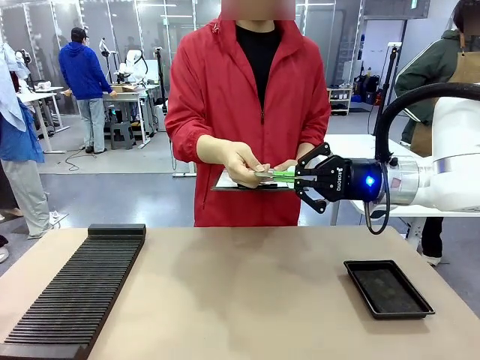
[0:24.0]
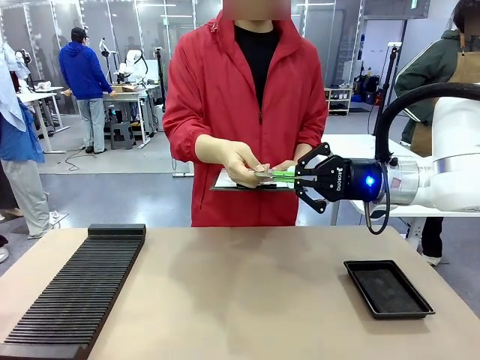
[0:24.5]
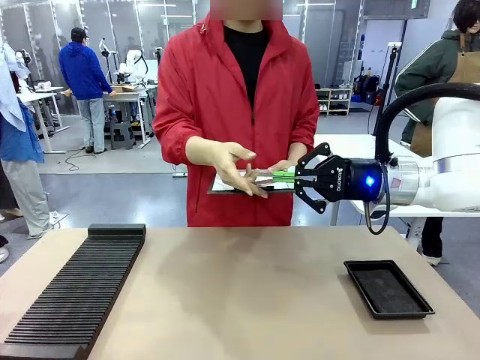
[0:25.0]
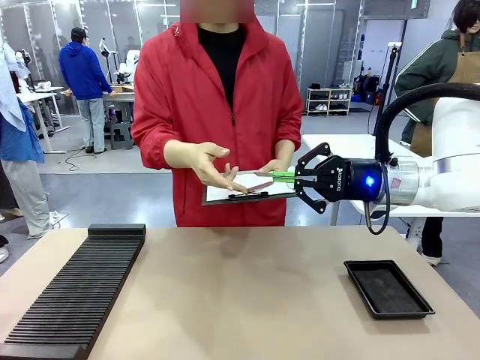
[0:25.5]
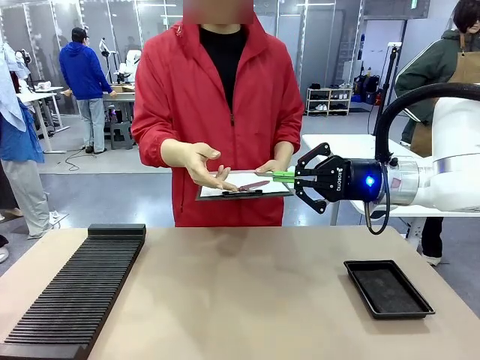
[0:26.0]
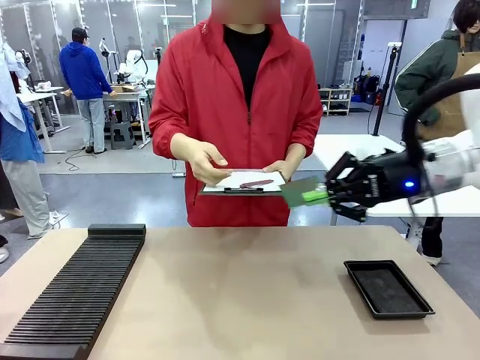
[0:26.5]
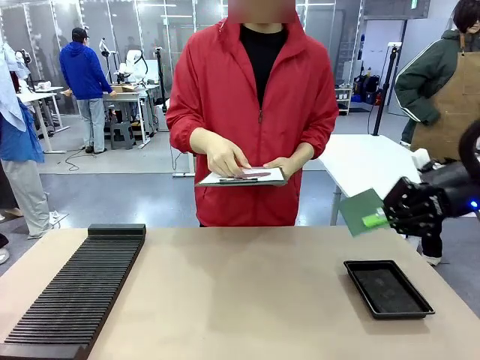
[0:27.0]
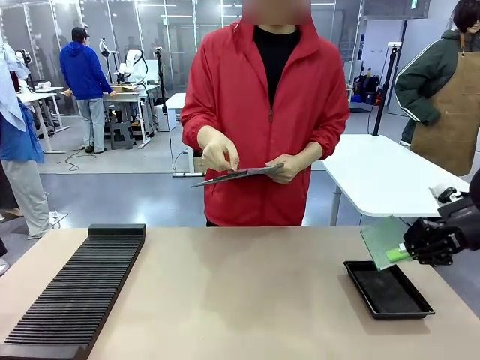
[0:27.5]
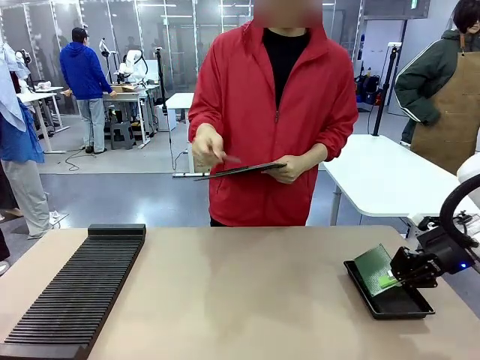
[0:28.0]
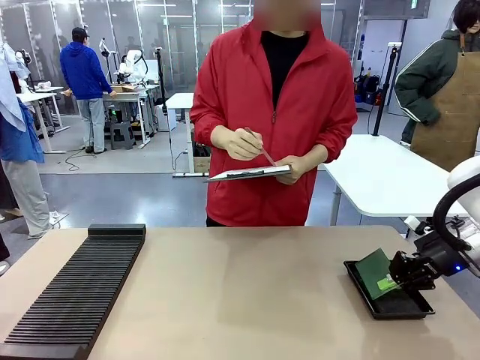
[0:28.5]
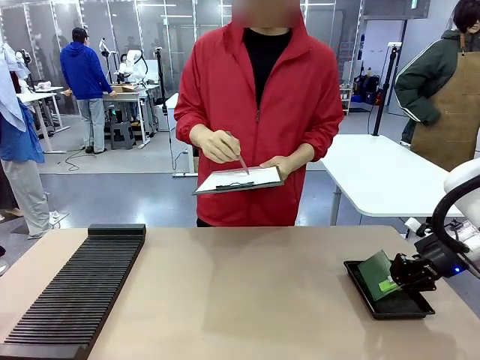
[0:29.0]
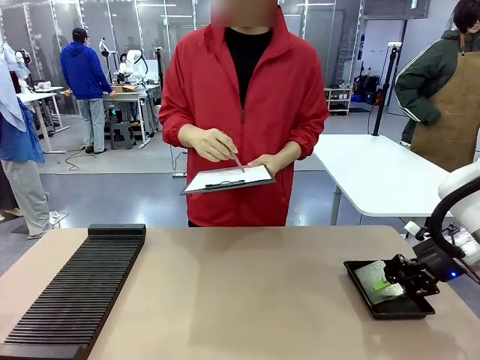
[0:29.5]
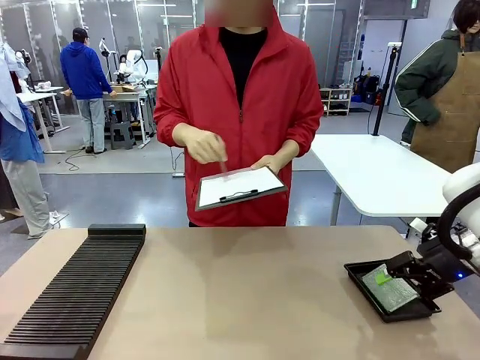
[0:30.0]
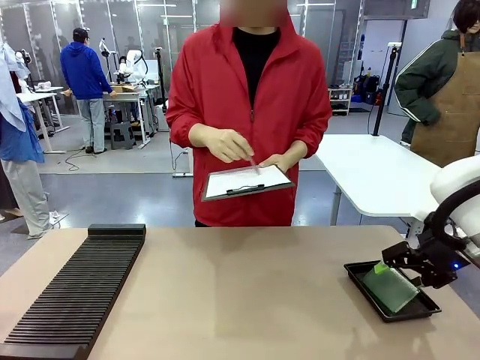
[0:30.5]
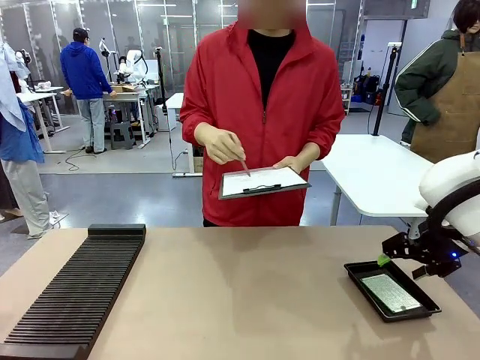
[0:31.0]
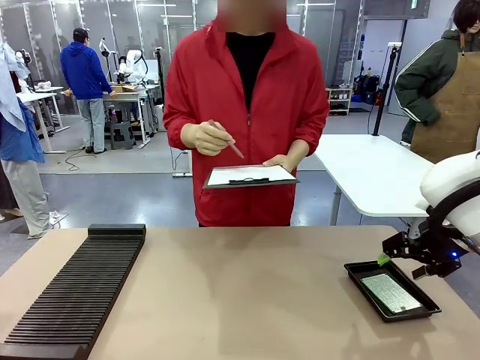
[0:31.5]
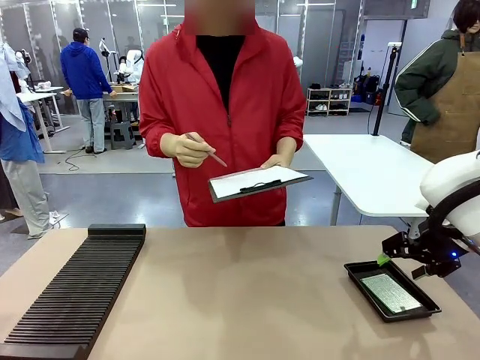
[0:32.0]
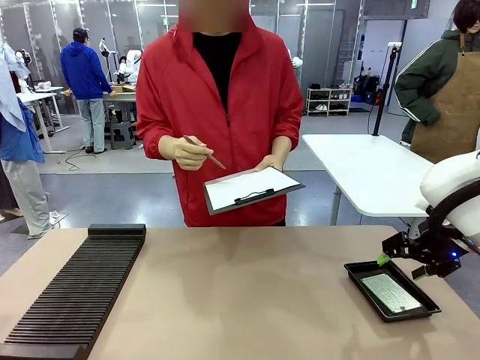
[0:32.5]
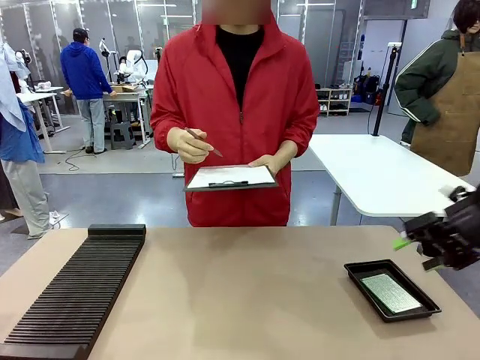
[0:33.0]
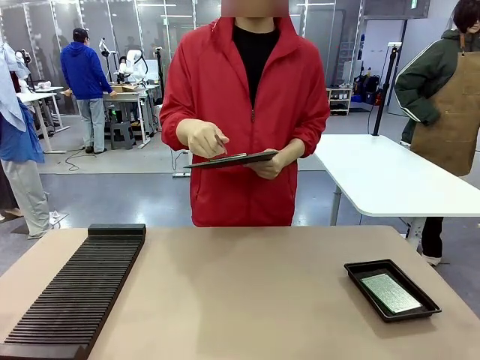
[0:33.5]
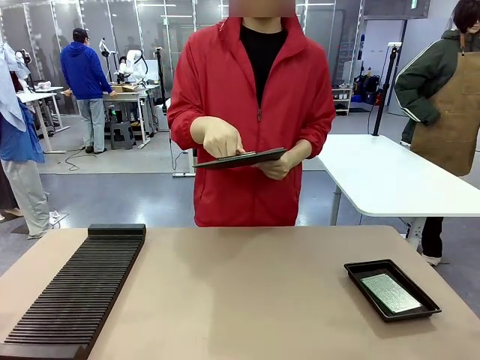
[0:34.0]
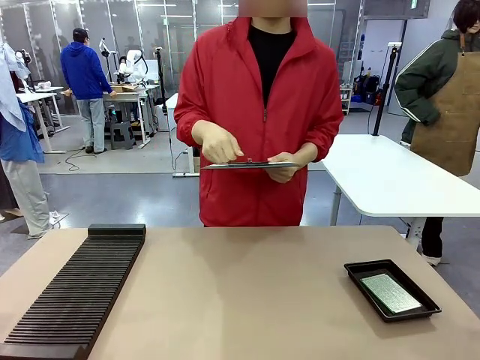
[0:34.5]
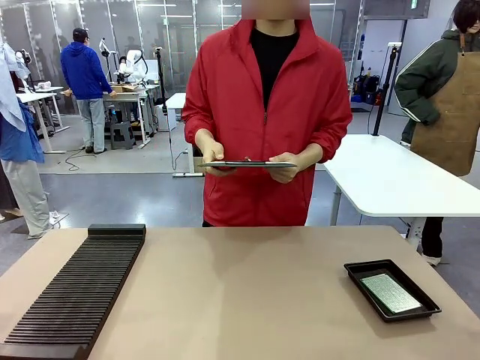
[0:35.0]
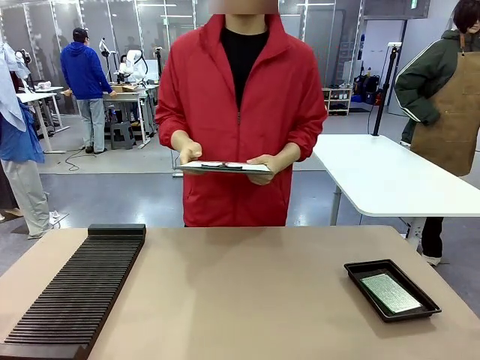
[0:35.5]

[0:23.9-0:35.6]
Task: Inspect the PCB.
Robot: Place the Blank PCB in the ESD tray.
Person: Record the PCB status on the paper.

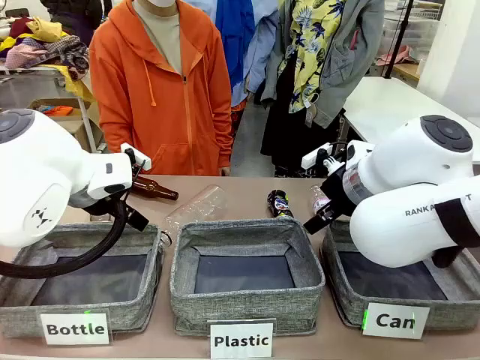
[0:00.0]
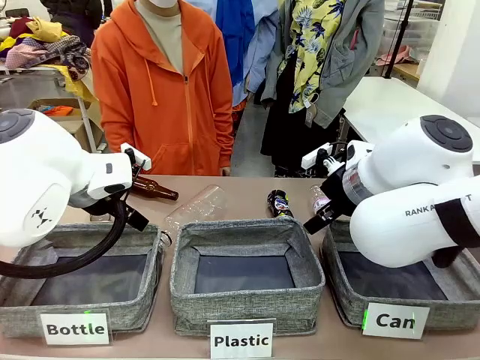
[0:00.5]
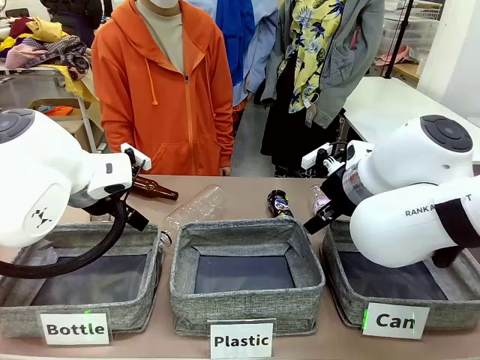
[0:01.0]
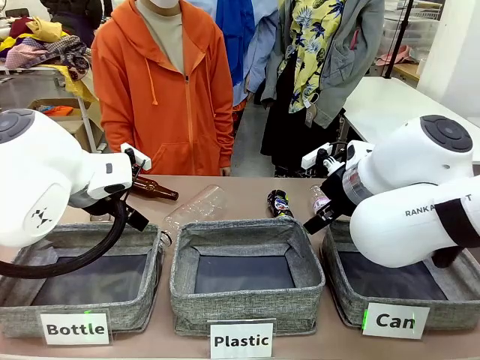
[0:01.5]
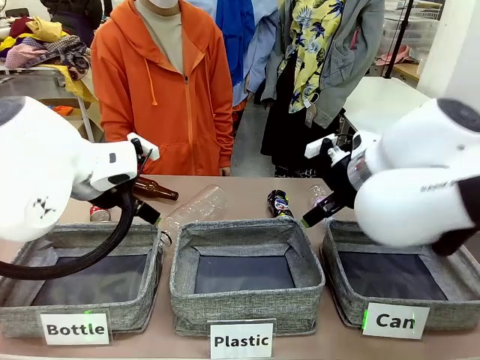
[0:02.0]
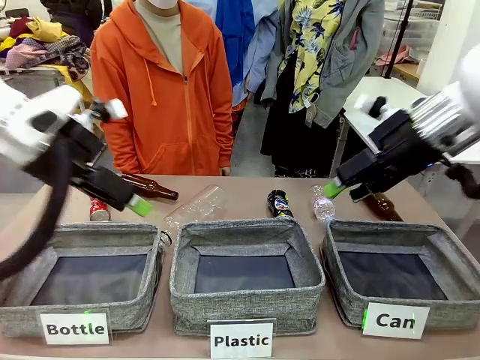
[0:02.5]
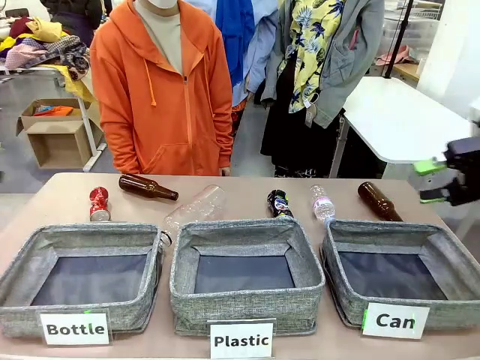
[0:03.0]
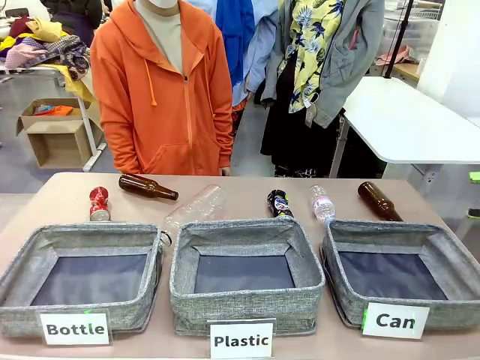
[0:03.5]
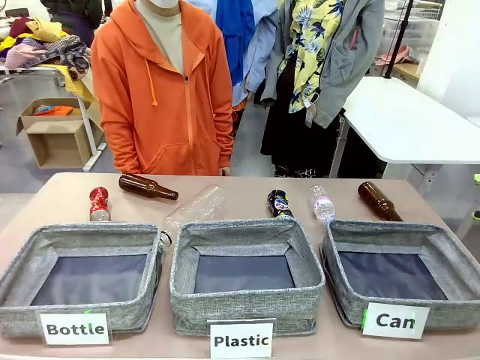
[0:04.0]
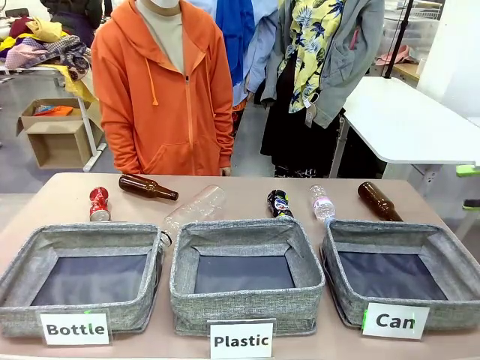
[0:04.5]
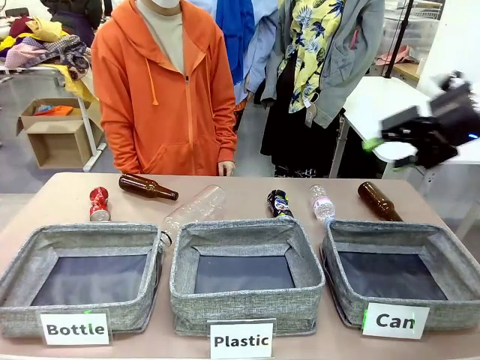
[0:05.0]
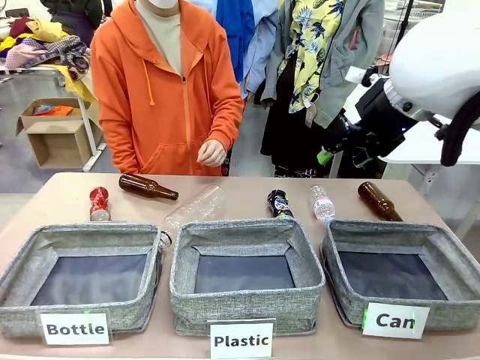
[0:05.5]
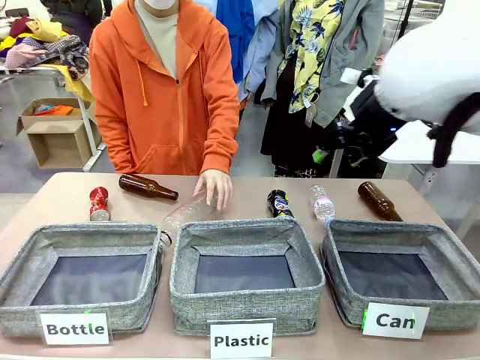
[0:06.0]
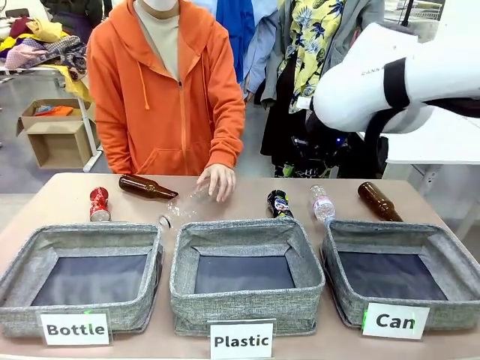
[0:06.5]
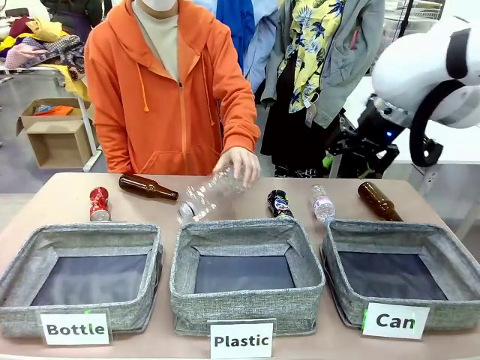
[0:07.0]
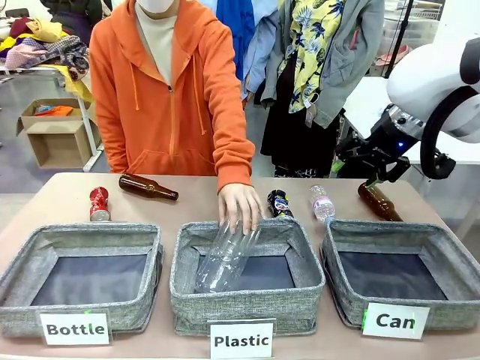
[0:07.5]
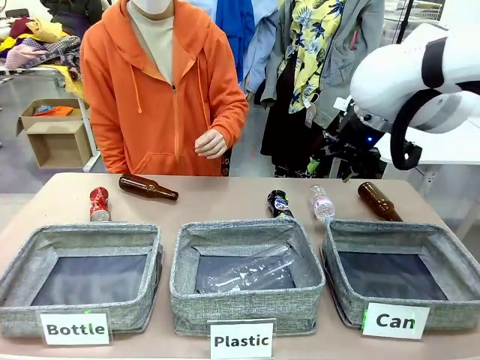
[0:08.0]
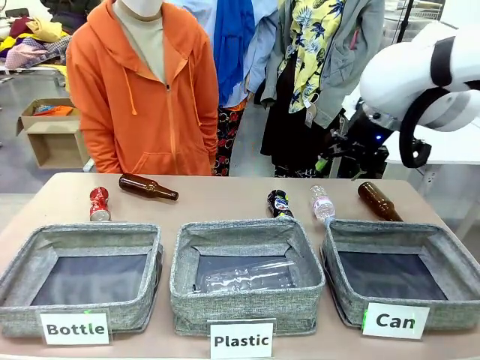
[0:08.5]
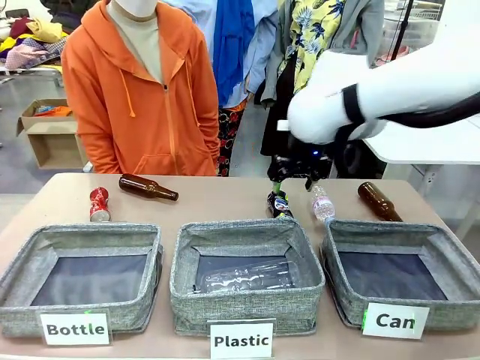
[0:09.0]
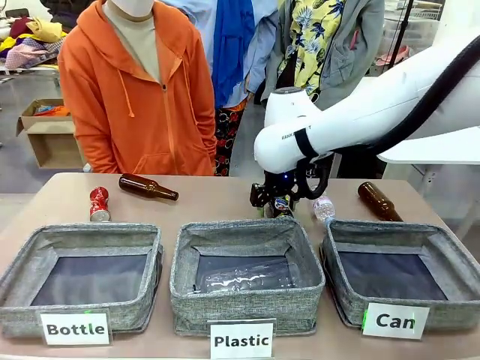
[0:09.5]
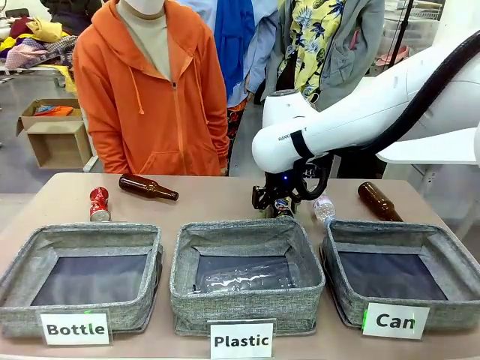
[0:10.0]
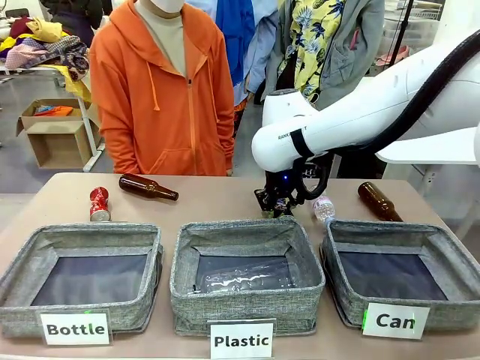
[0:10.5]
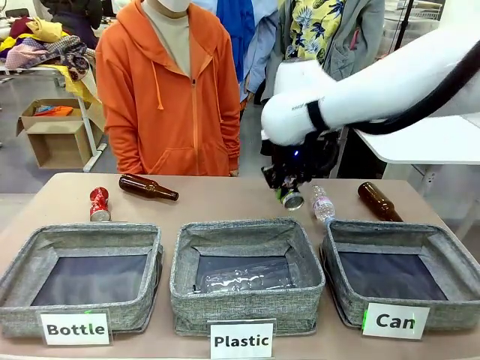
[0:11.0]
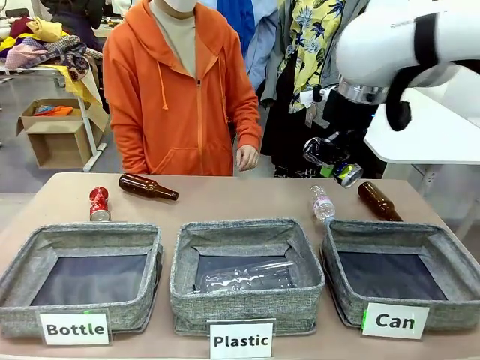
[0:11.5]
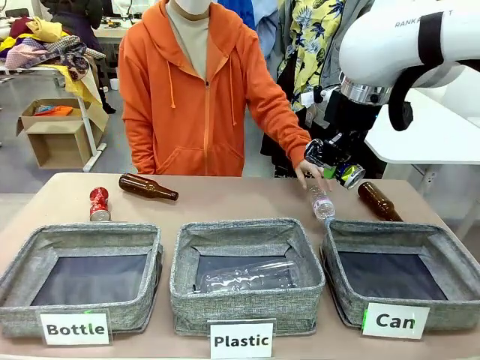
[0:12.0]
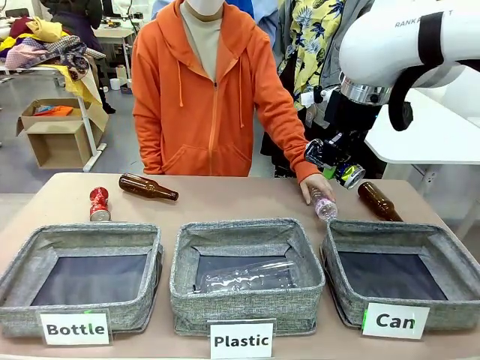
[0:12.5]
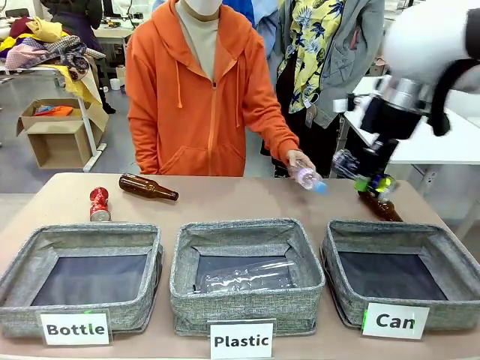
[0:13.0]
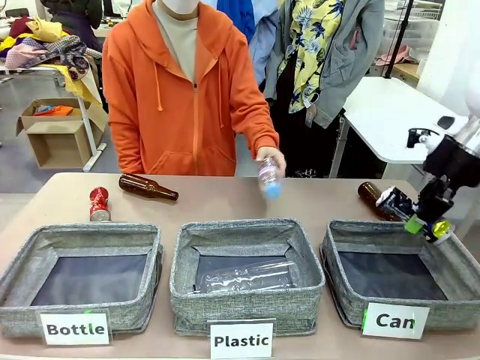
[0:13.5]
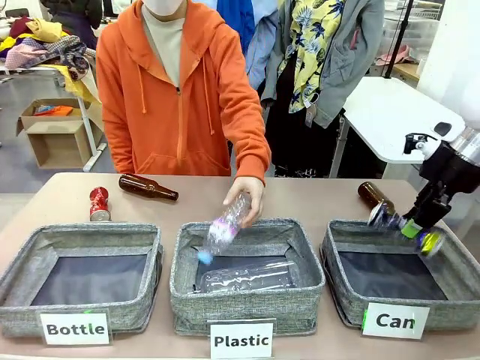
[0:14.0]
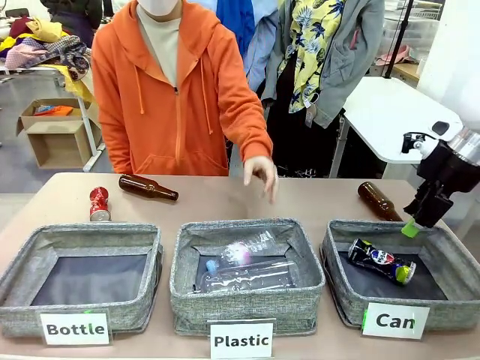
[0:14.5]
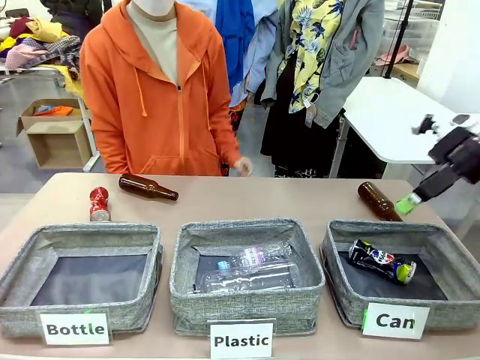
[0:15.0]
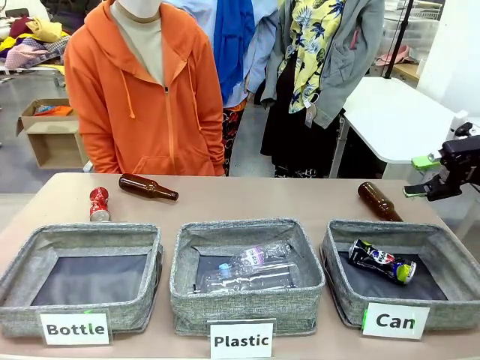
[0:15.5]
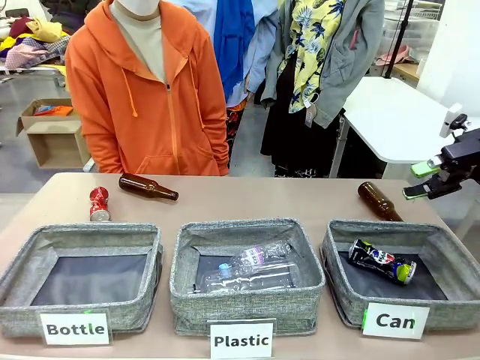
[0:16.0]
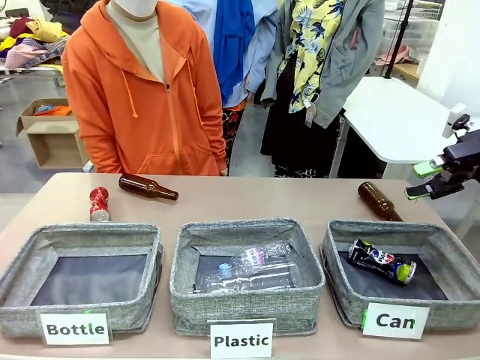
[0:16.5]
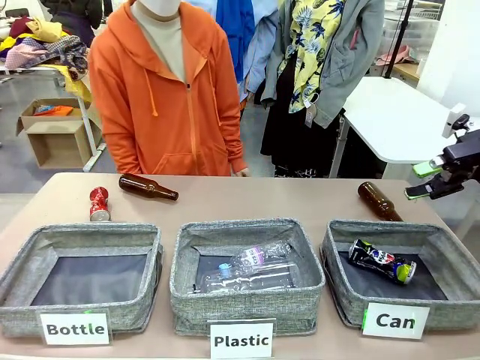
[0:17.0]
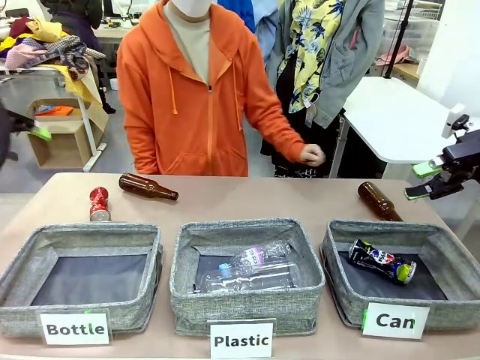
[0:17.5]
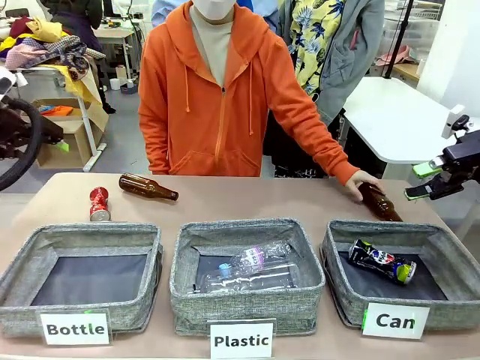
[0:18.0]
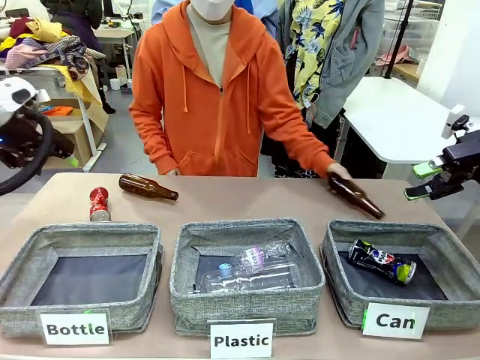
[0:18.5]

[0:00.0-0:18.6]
Task: Sort the can waste into the basket.
Robot: Pick up the can waste from the table and place it in the right Fabric basket.
